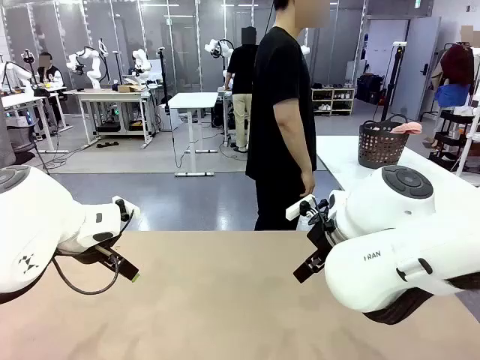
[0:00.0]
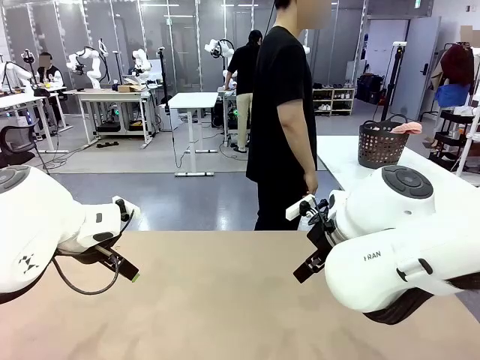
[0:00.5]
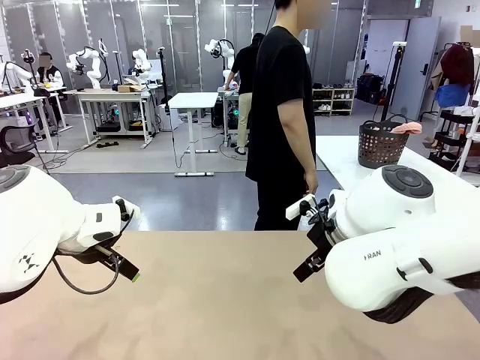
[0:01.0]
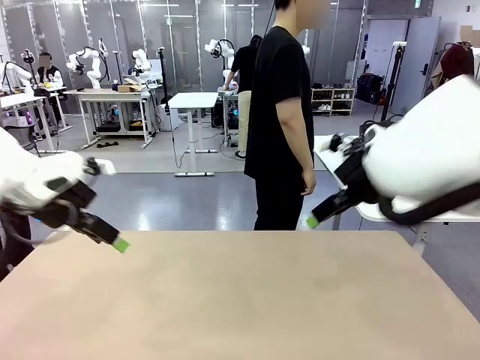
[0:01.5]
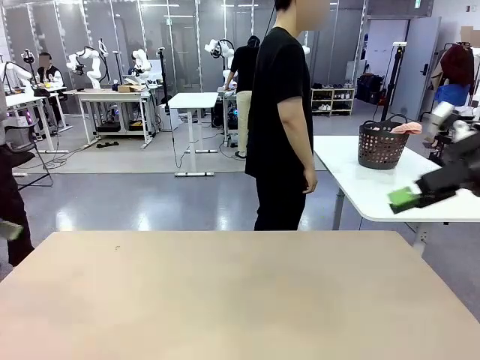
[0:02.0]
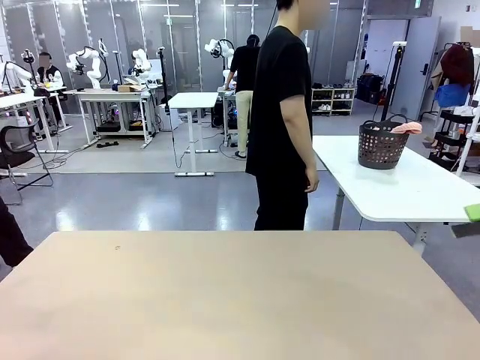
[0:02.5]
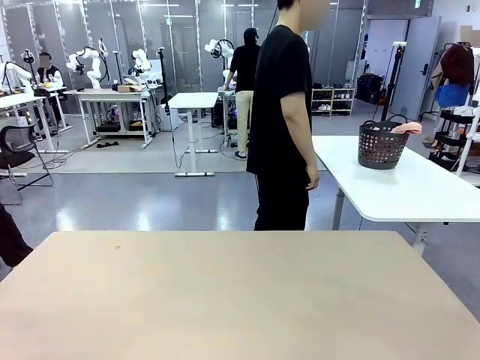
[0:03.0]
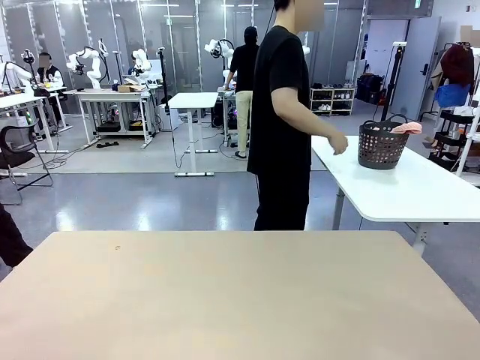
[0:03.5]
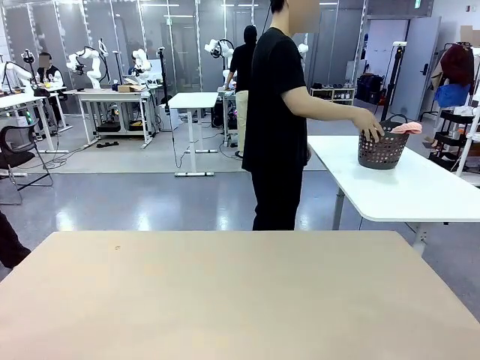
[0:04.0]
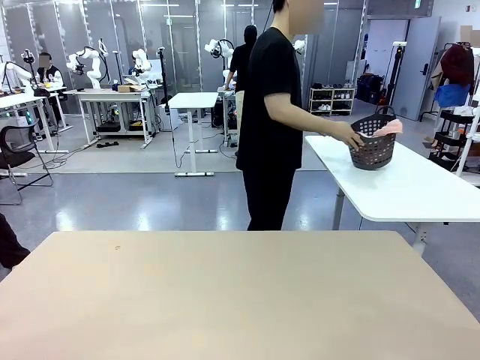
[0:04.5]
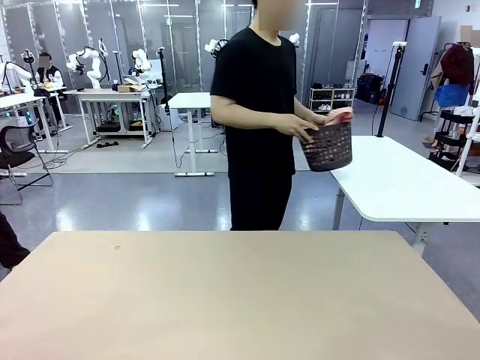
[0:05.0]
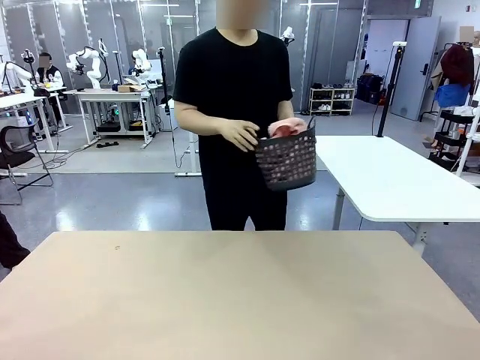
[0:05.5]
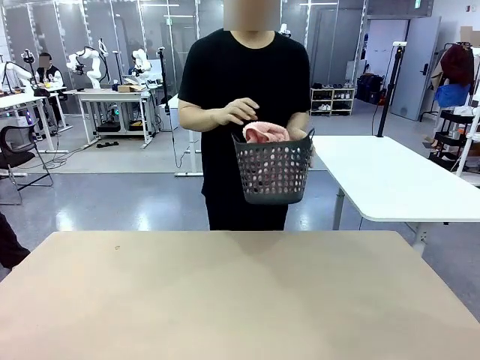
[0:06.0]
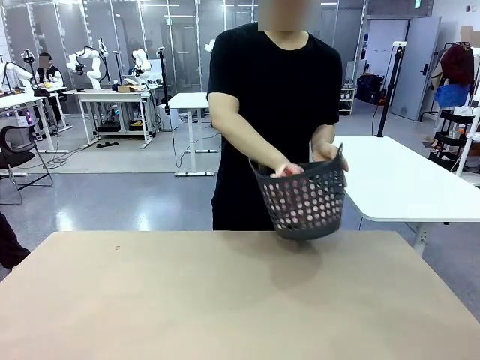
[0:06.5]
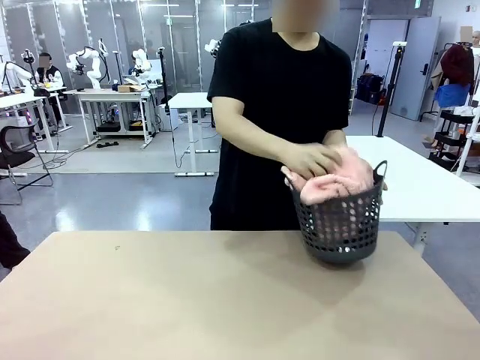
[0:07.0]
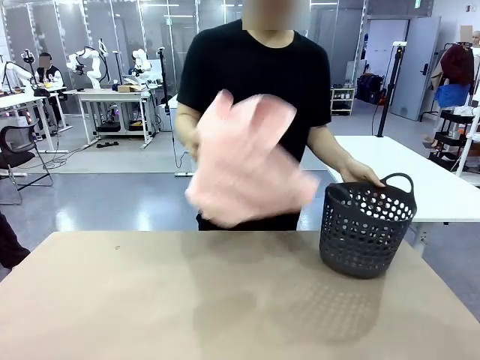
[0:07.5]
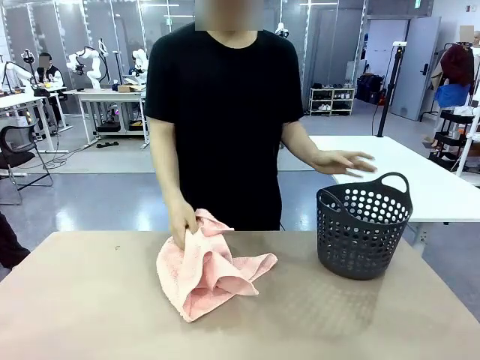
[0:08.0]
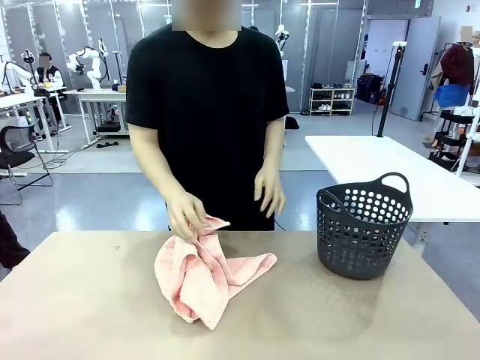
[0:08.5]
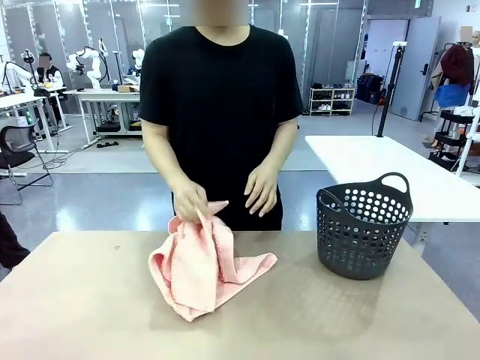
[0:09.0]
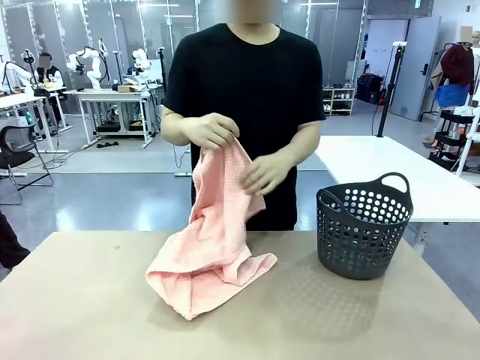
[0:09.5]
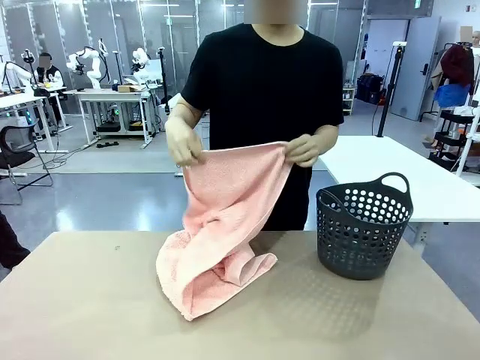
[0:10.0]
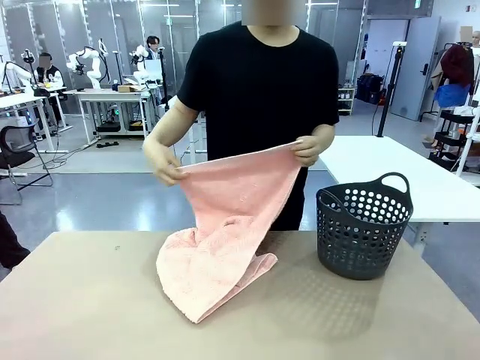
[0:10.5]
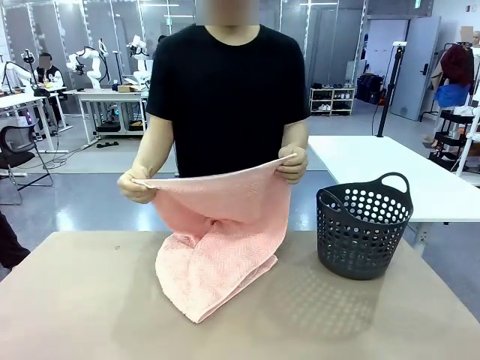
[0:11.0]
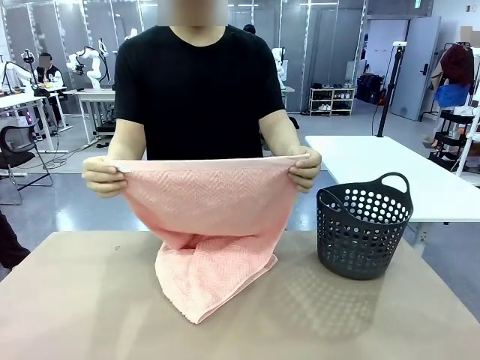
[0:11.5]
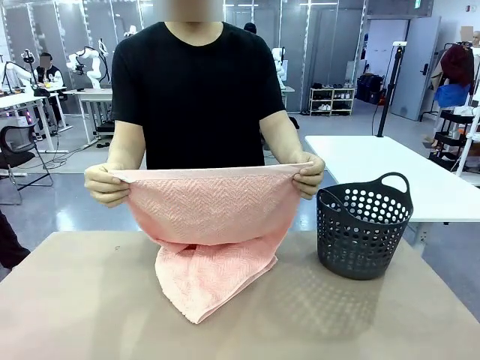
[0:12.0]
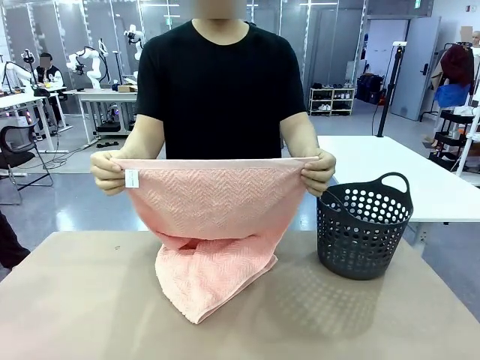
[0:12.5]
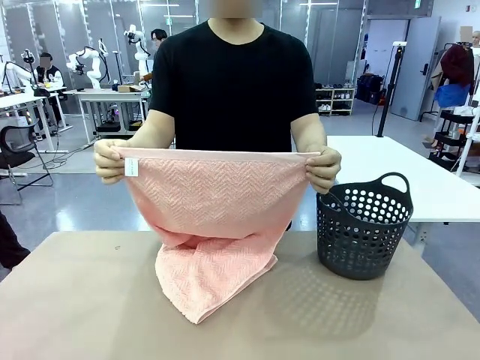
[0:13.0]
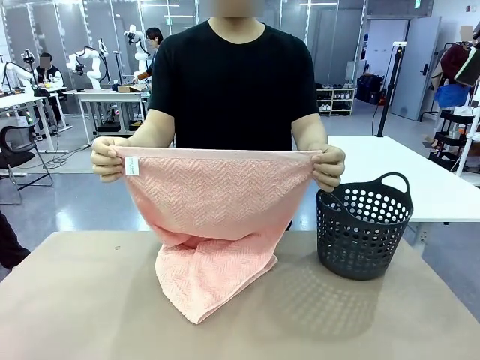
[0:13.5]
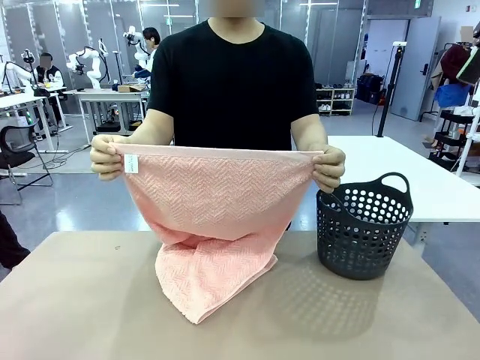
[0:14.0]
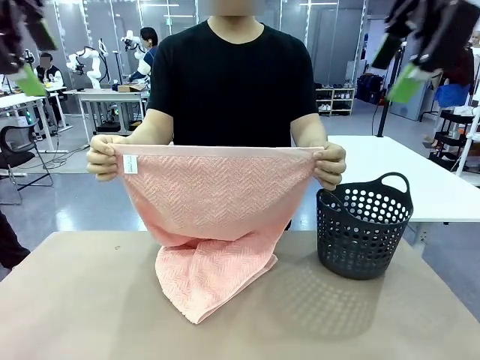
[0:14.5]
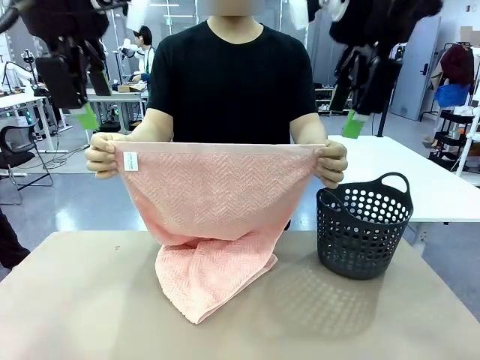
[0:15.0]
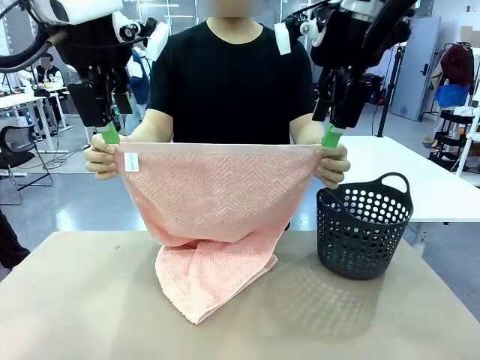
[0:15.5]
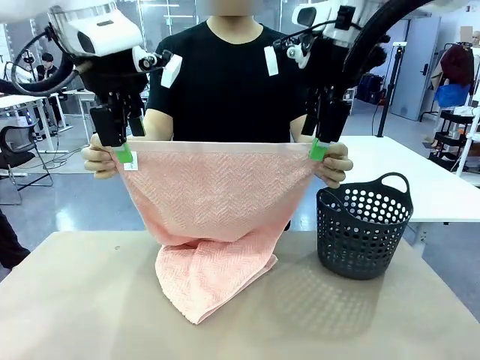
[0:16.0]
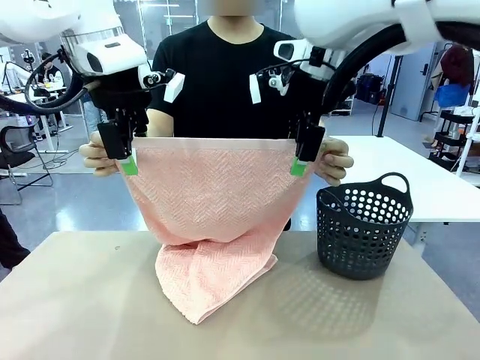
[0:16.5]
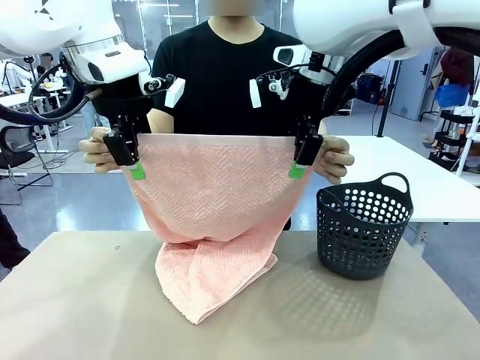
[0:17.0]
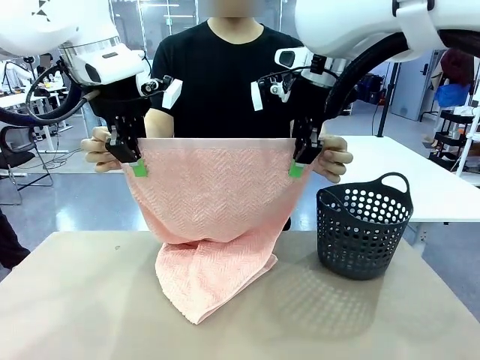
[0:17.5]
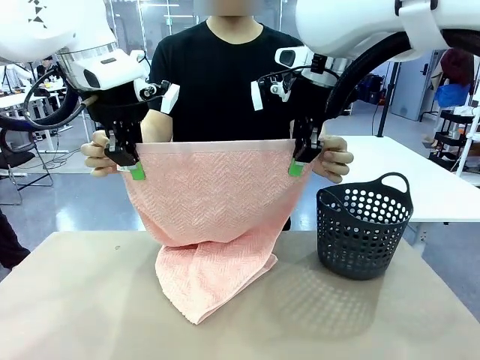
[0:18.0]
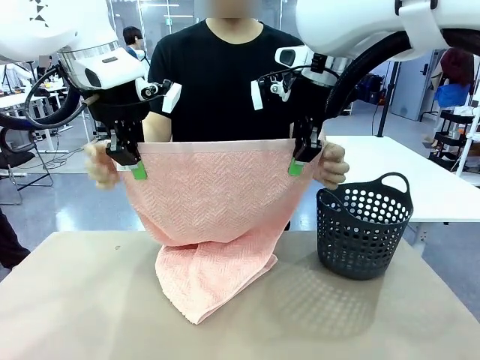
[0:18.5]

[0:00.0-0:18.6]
Task: Fold the towel.
Robot: Grab the top end of the 100 cm Hotel Towel extended by the human.
Person: Pick up the laundry basket, place it on the left side of the robot table, then take out a towel and hand it to the robot while holding both corners of one end.
